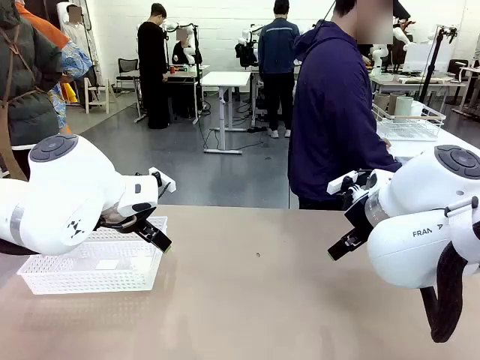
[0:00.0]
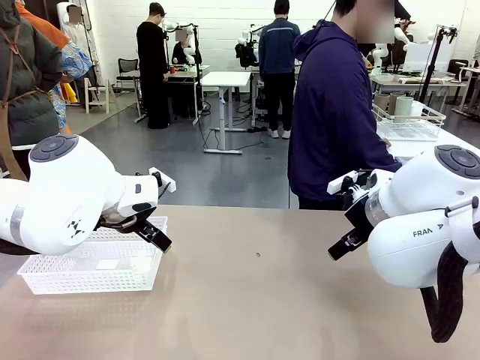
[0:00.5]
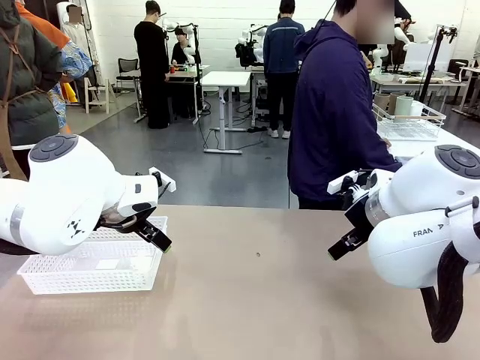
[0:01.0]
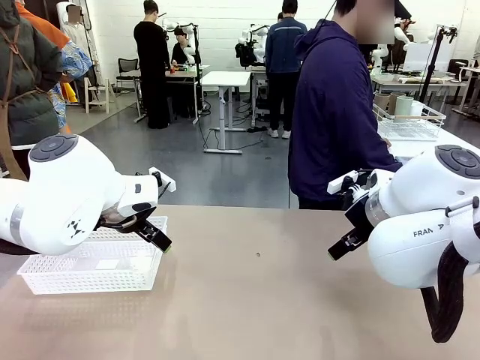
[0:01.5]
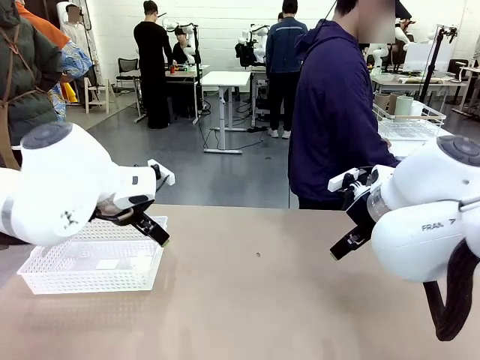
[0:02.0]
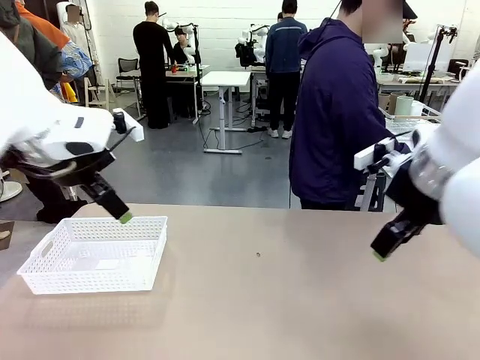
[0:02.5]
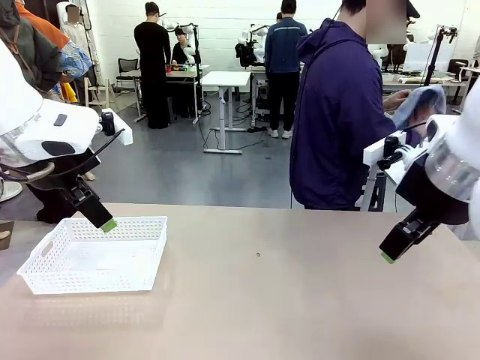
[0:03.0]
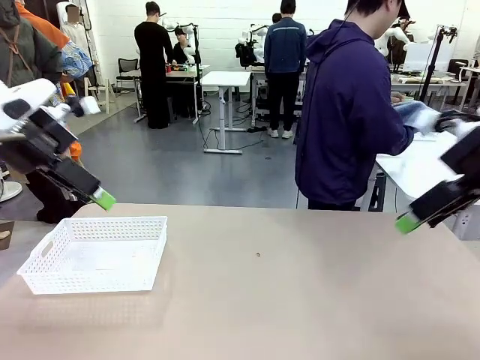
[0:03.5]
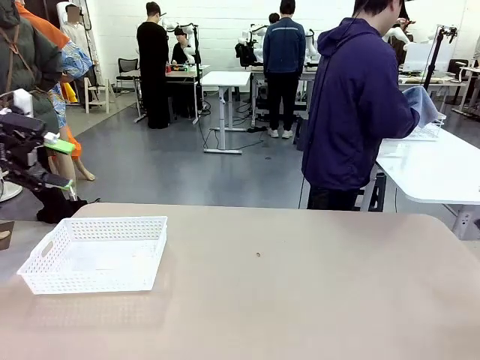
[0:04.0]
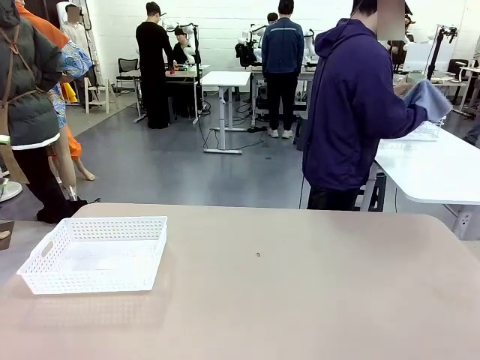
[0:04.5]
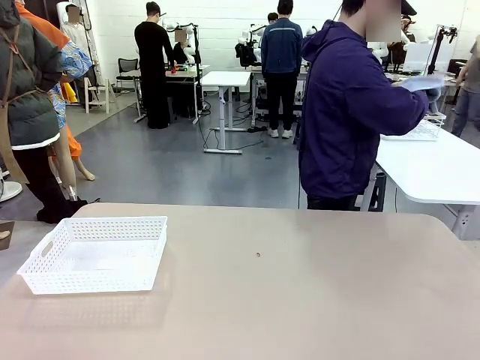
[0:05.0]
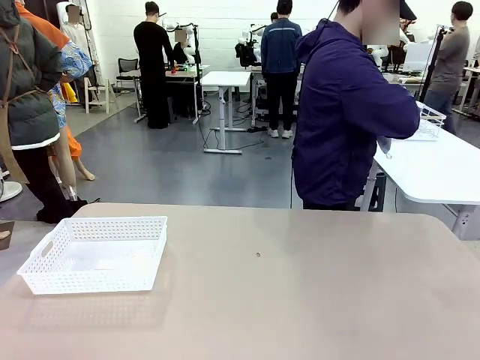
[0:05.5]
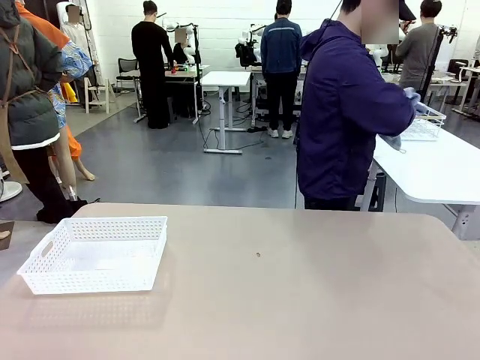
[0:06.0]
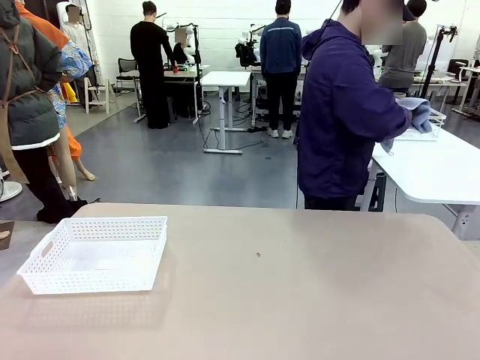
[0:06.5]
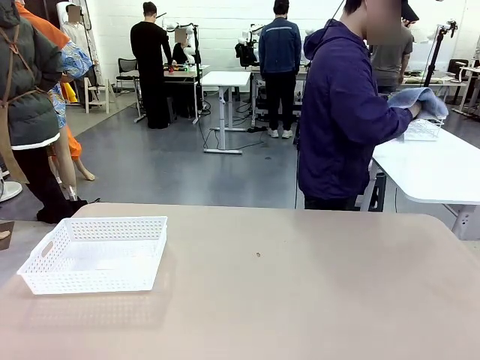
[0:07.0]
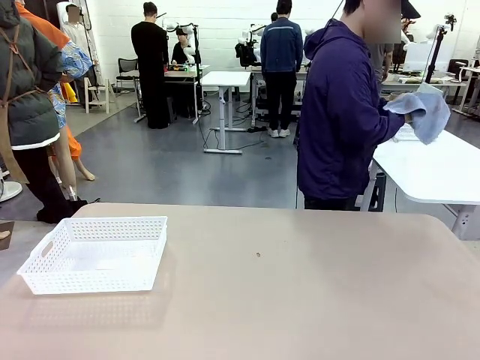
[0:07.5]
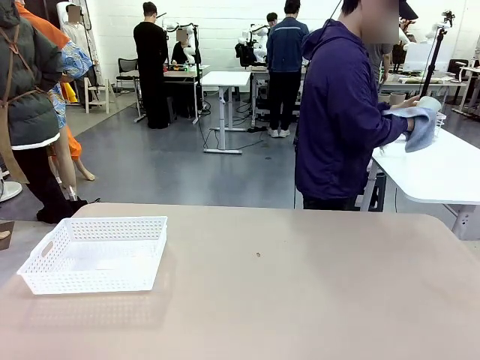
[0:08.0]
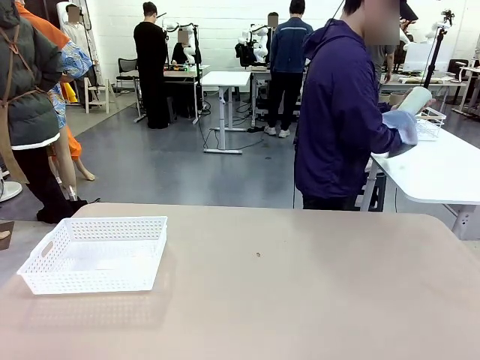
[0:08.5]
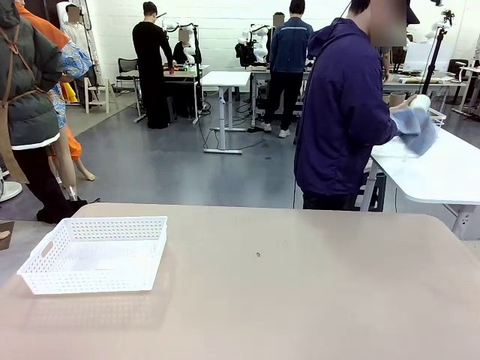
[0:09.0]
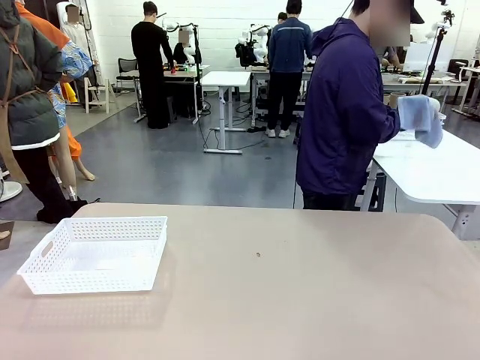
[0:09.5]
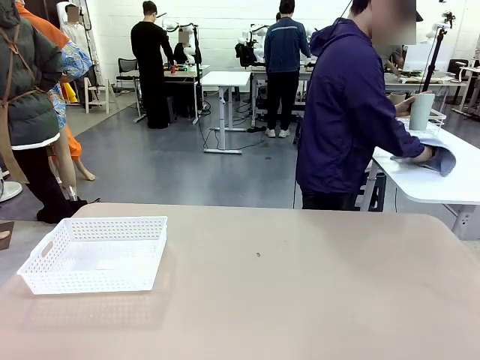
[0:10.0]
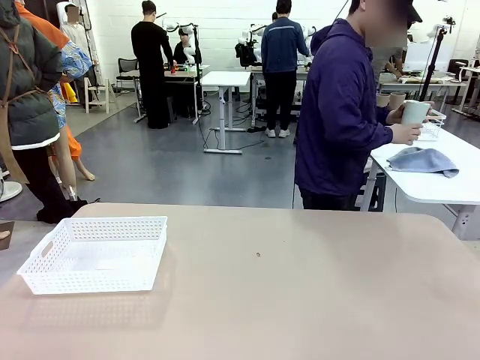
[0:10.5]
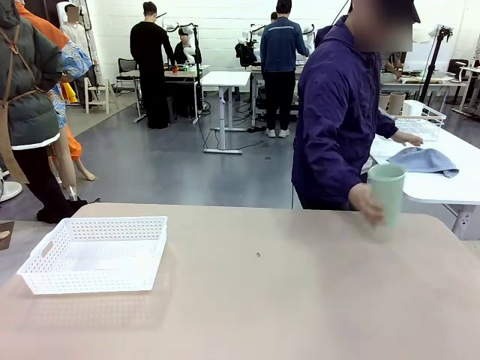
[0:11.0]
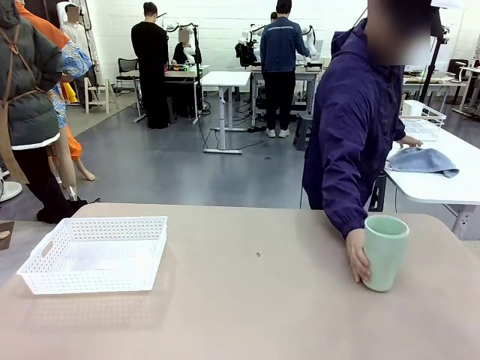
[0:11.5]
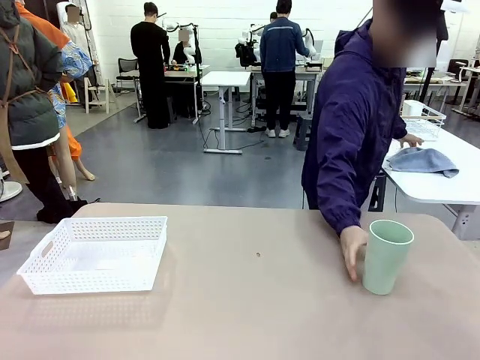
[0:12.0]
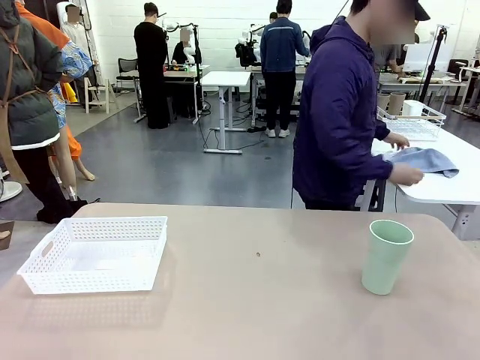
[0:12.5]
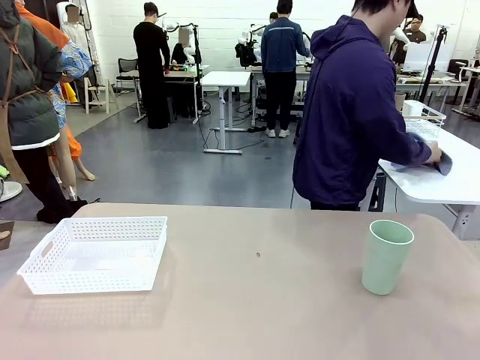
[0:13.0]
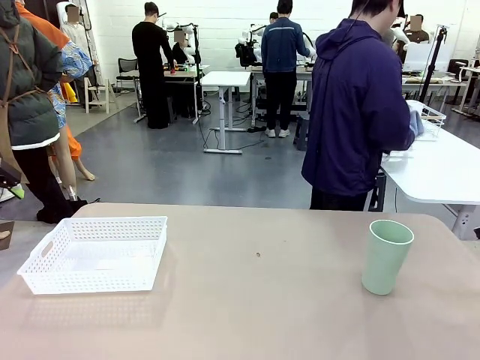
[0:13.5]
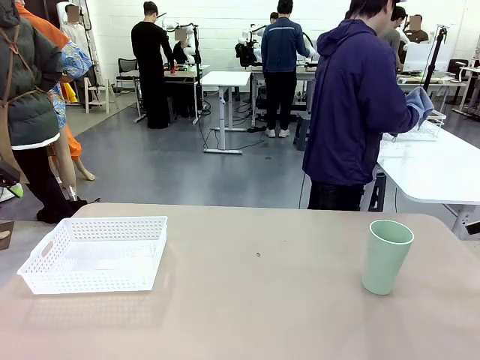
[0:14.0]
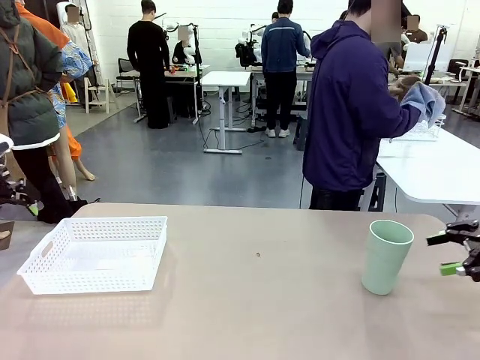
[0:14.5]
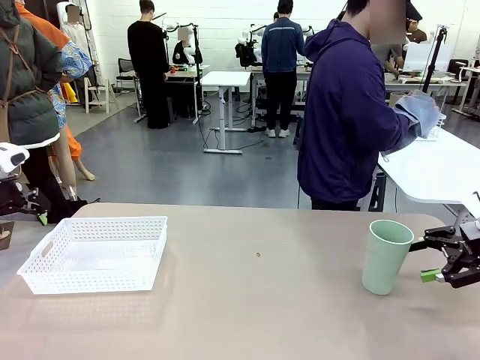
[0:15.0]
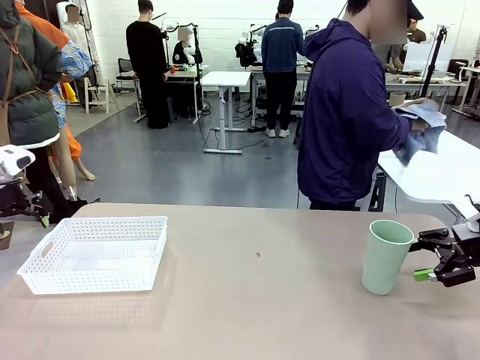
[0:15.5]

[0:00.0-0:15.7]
Task: Clean and organize the cups into the basket.
Robot: Pick up the Organizing basket and move it to the center of the table, then pick up the Reusable plastic cup from the right side of the table and place it inside the Organizing basket.
Person: Picks up a cup and a towel, cleans the cup with the towel, and places it on the left side of the robot table.
